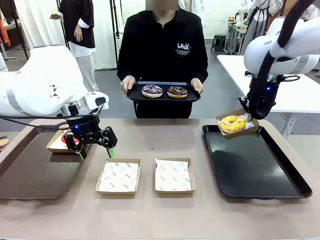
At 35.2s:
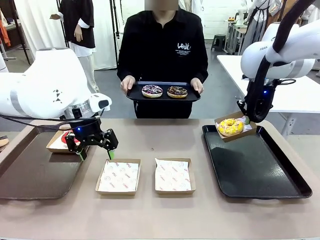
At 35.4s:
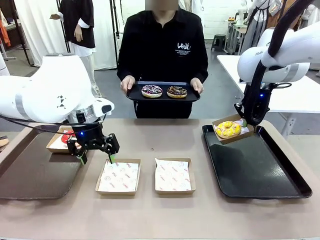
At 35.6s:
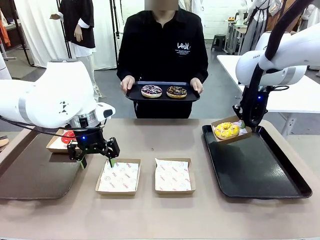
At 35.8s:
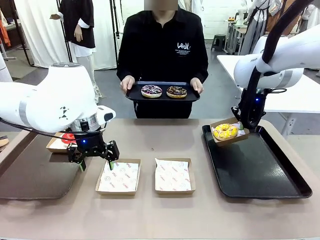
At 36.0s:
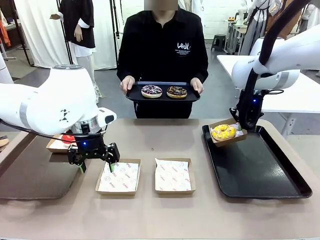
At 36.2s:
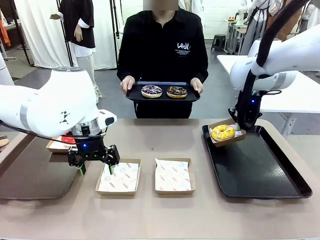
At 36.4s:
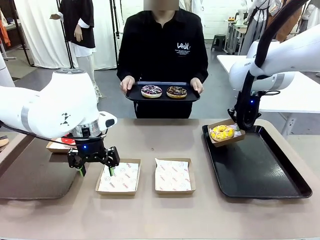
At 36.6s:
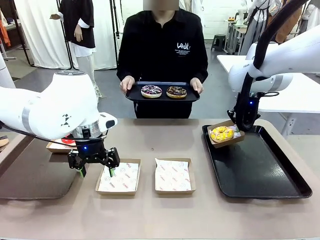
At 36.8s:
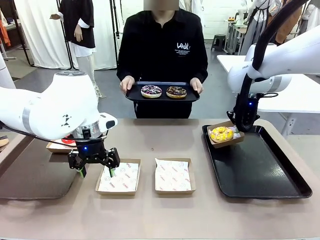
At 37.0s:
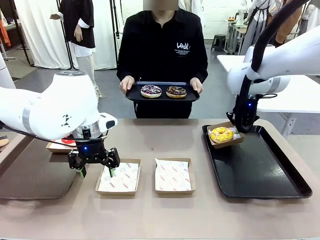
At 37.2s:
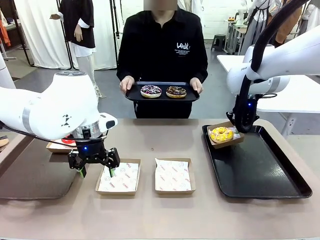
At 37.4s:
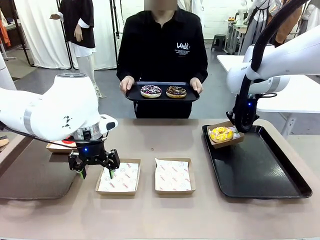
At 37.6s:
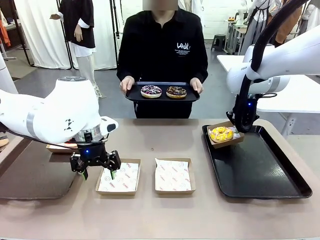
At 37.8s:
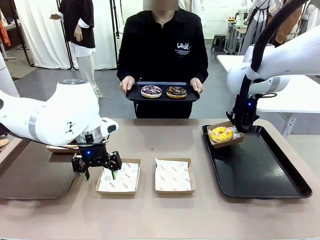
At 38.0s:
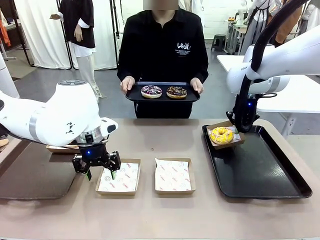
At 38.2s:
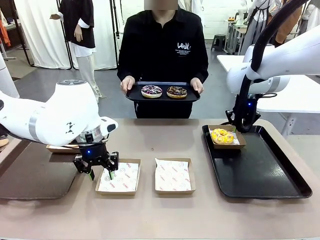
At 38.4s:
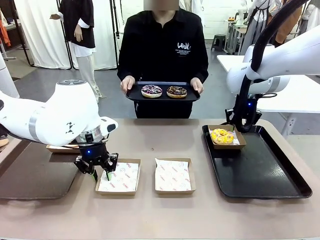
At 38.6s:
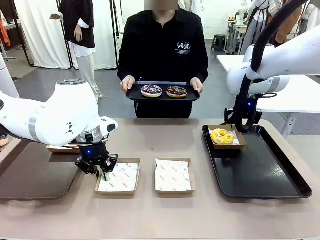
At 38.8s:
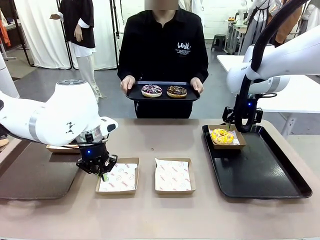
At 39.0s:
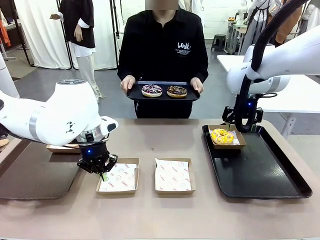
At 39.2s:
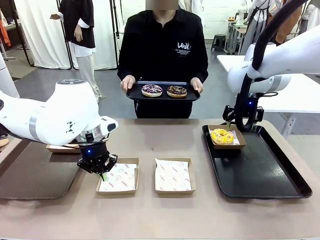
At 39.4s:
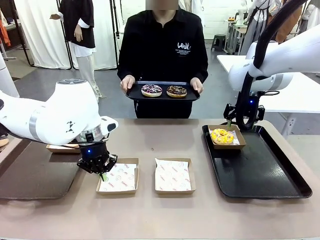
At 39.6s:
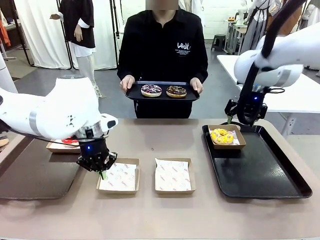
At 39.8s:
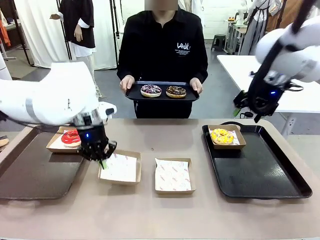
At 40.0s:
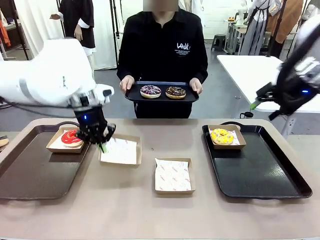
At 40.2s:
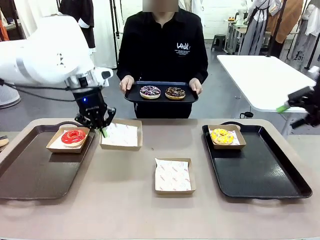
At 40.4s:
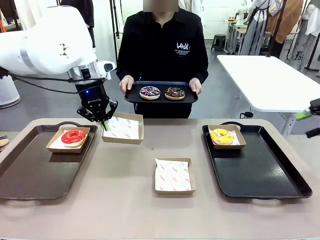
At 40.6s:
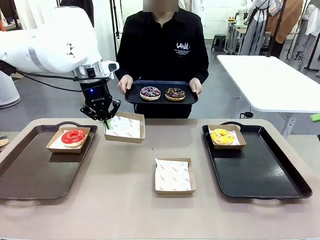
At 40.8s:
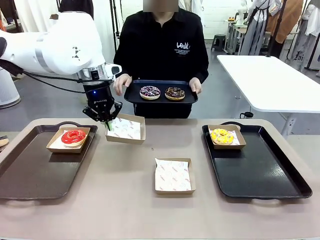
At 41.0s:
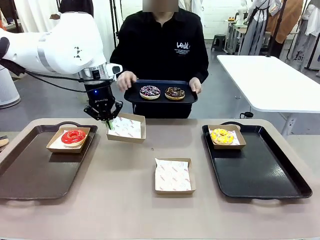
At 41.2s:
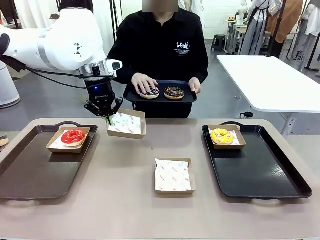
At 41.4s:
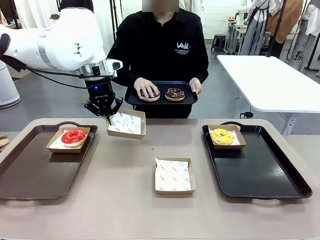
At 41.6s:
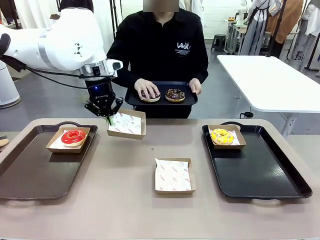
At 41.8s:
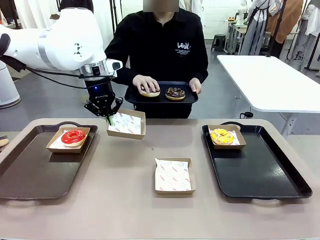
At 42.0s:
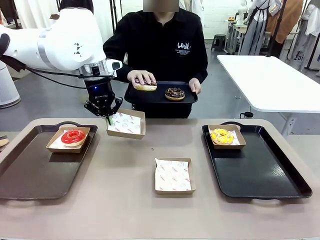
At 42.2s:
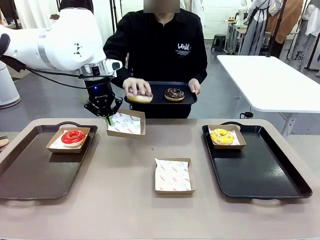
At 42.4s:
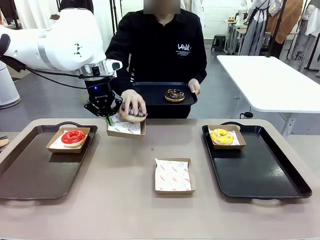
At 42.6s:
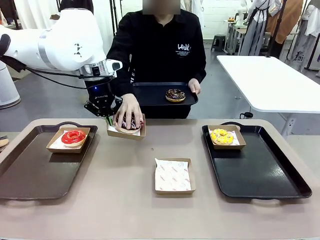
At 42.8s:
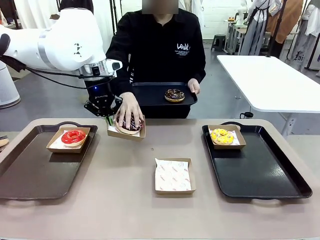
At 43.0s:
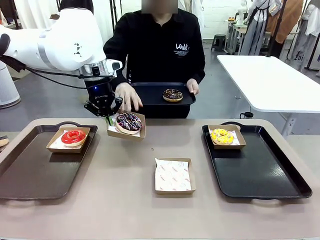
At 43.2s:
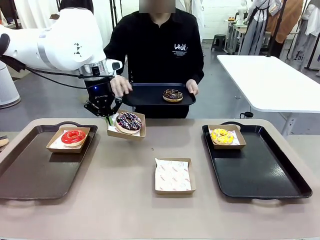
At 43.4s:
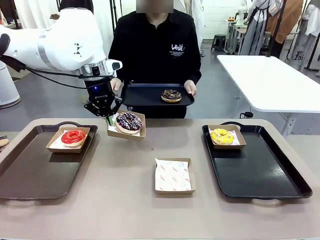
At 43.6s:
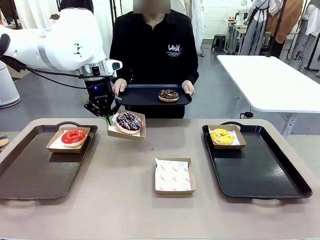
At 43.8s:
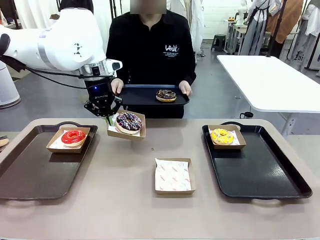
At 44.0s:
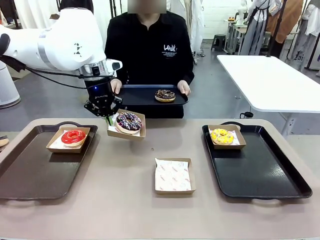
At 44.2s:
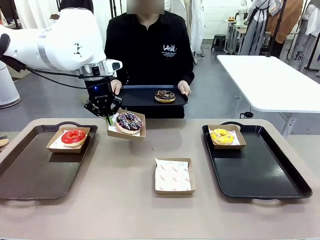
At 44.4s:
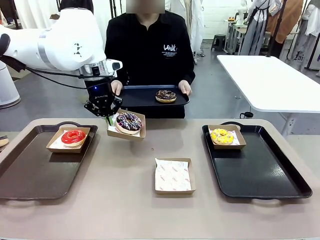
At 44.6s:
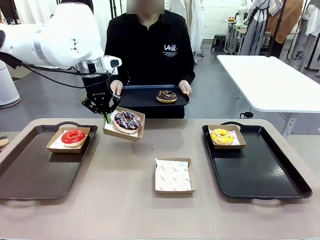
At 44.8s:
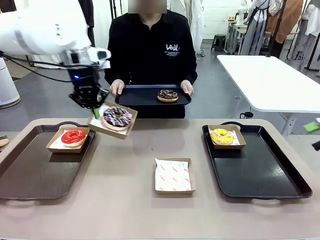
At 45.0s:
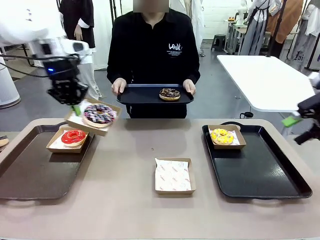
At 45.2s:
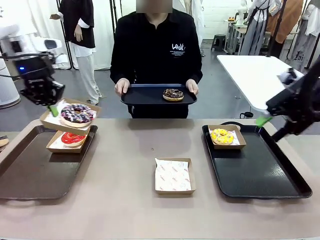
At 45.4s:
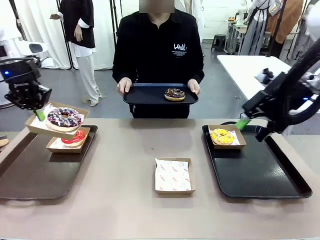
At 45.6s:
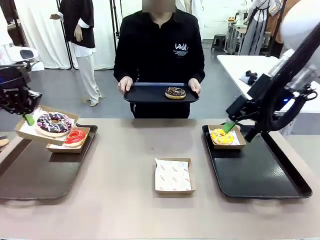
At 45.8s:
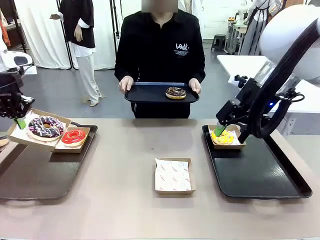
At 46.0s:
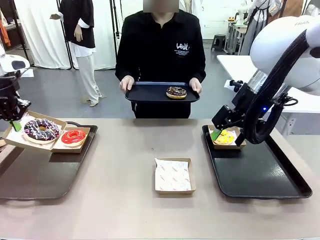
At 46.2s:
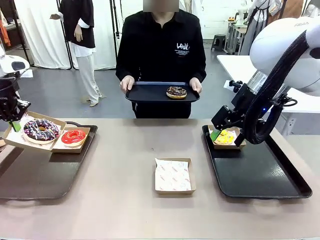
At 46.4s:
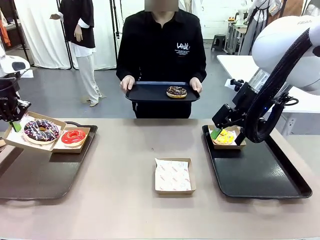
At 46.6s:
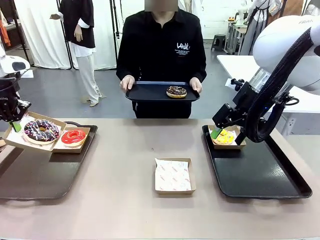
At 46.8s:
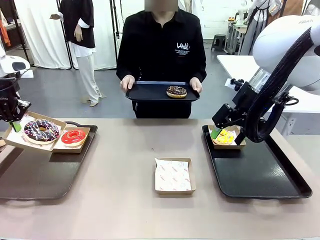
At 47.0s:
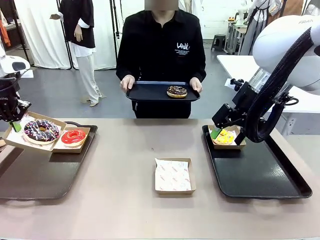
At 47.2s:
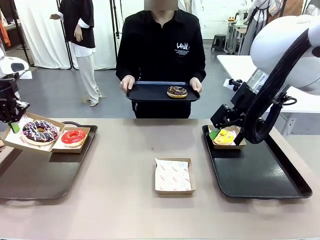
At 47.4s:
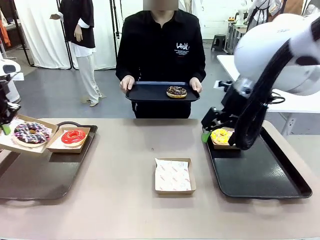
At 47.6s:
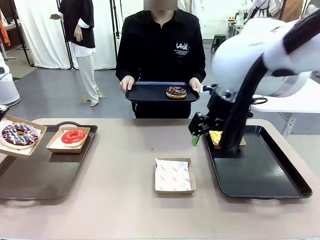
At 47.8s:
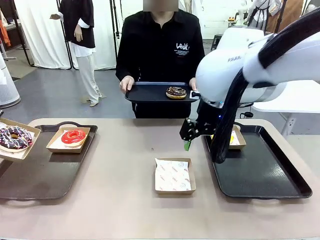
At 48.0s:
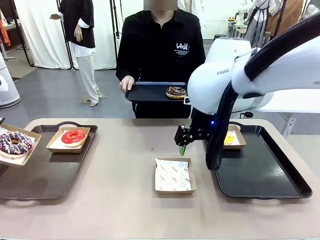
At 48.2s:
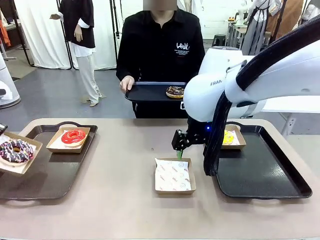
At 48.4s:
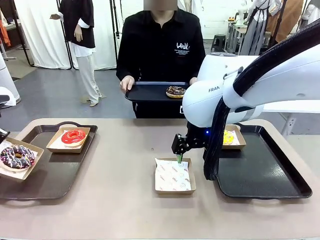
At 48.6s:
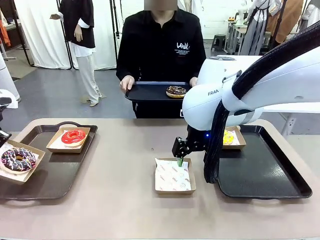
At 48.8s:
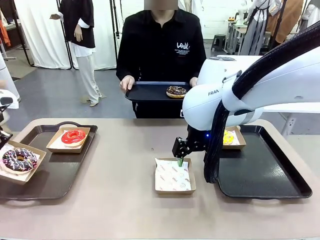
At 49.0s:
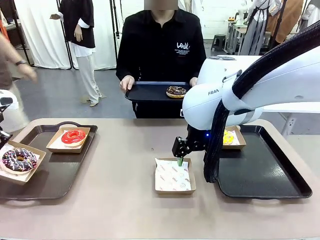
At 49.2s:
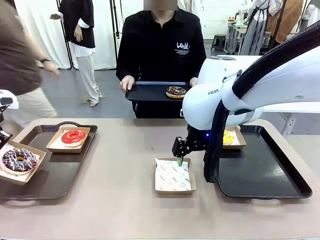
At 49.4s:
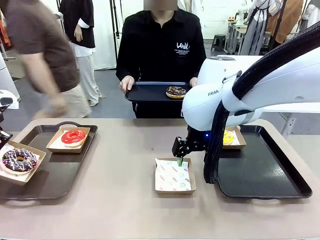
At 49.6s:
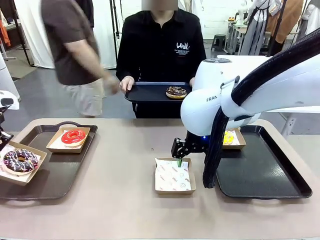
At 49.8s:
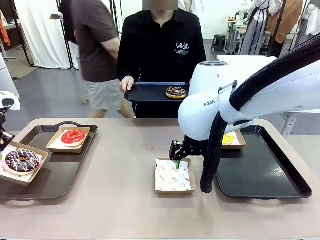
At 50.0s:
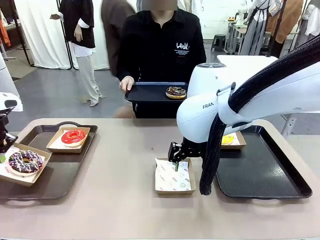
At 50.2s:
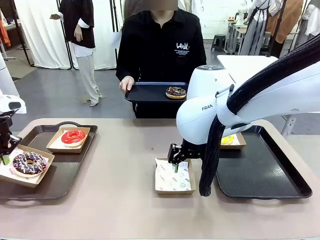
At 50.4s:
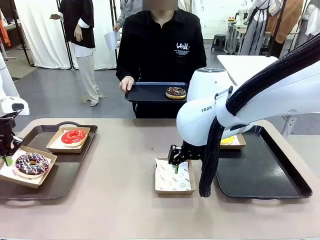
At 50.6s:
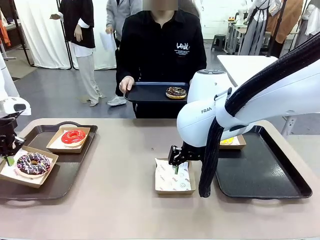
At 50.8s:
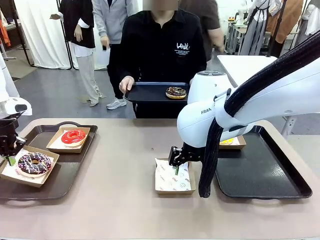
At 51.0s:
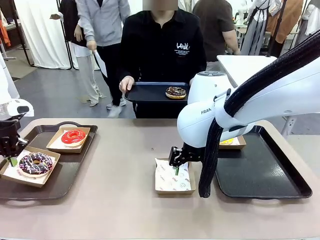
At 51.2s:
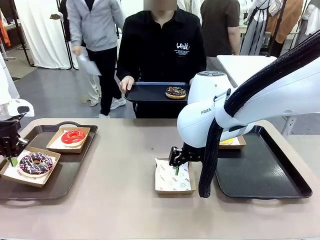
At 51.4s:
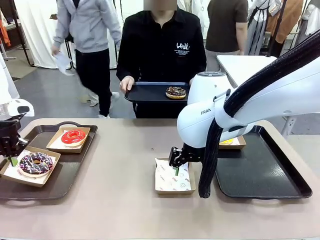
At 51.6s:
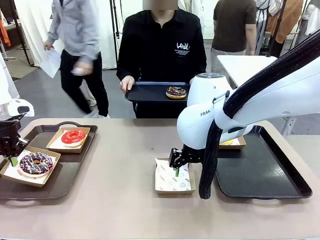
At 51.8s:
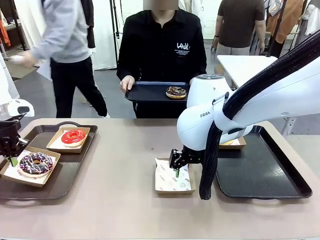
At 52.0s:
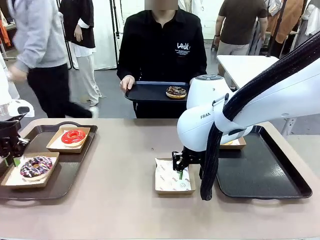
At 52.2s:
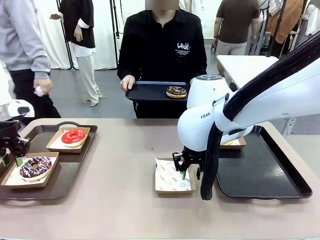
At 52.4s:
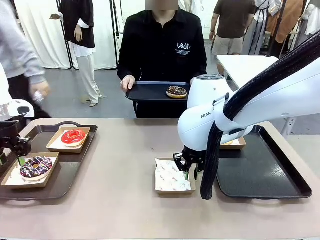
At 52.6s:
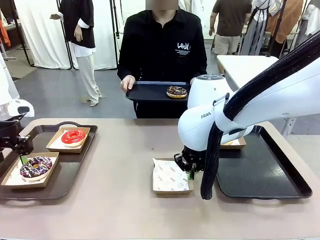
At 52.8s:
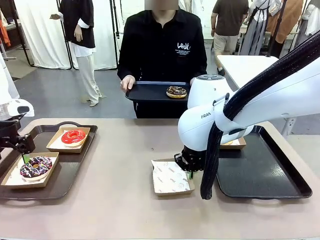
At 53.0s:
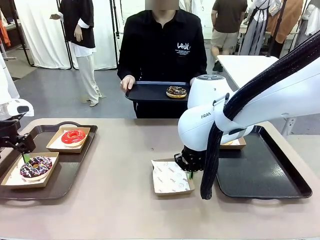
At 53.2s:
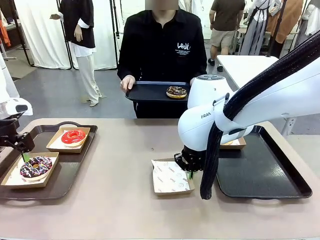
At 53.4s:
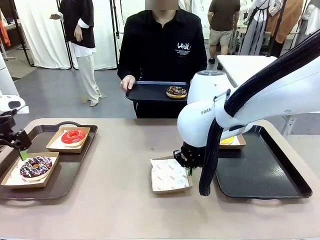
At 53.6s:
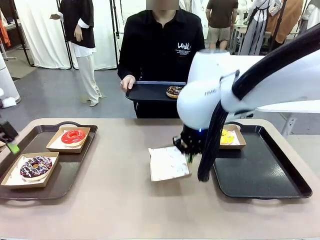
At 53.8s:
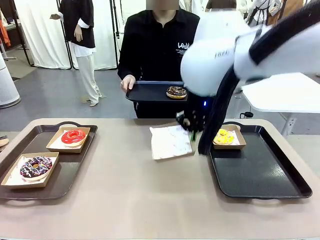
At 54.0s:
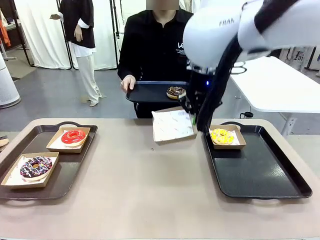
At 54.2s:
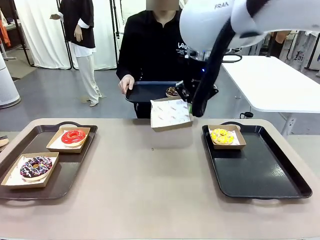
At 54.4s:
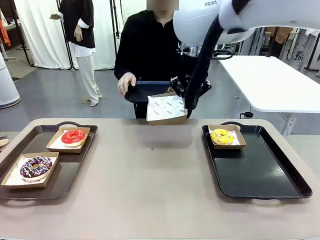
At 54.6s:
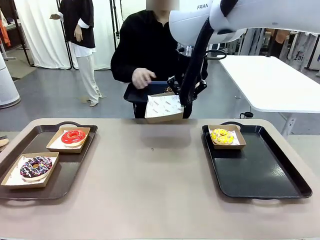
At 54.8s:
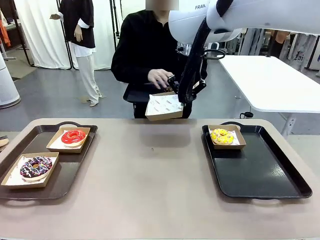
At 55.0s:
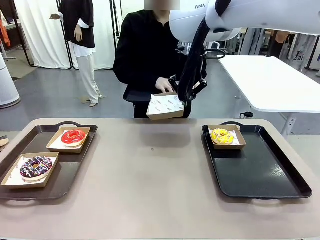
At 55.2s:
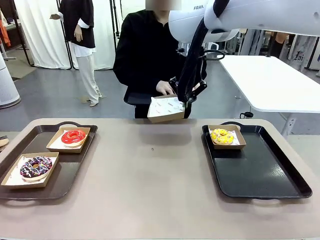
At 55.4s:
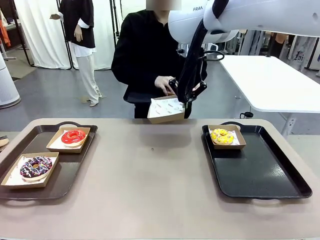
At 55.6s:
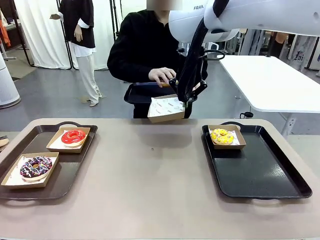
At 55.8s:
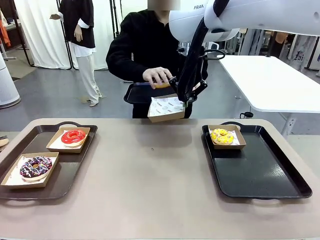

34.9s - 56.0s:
Task: Individually package the donuts and arrange them on the tray.
Robot: Place the picked Paper togo box on the Handle tray while simultaneously picking up another Paper togo box from the table with the other hand.
